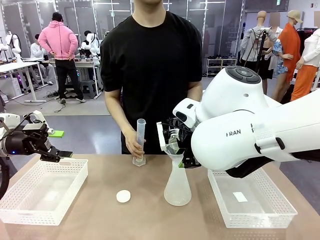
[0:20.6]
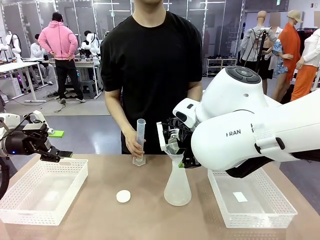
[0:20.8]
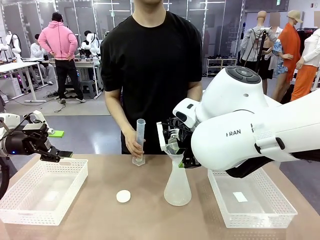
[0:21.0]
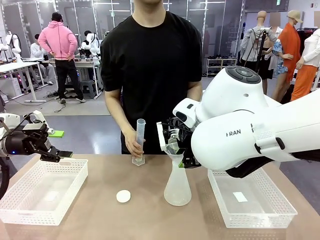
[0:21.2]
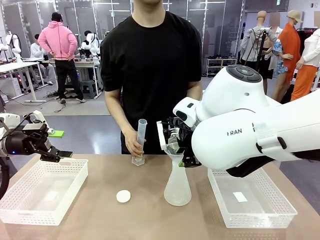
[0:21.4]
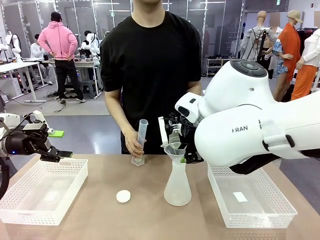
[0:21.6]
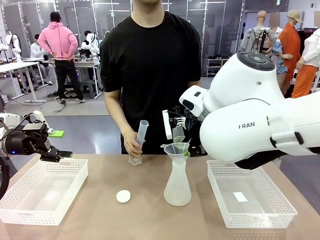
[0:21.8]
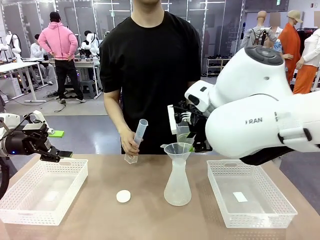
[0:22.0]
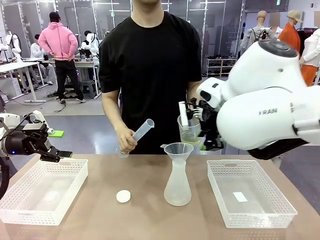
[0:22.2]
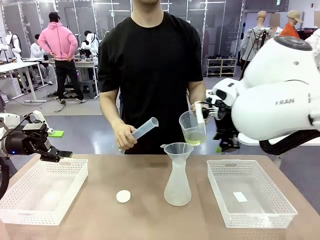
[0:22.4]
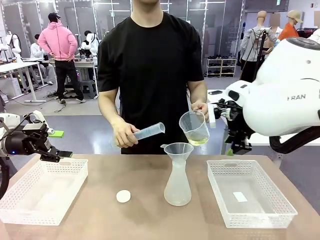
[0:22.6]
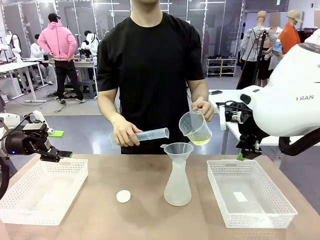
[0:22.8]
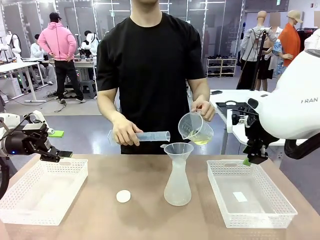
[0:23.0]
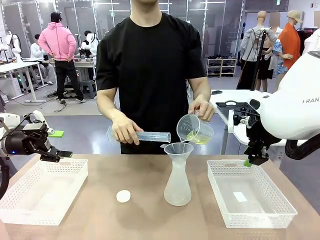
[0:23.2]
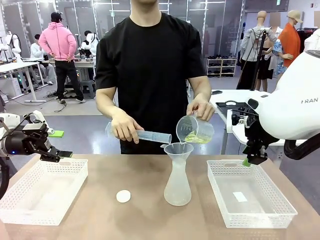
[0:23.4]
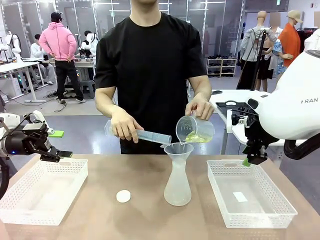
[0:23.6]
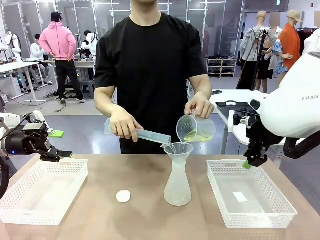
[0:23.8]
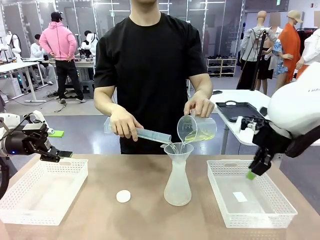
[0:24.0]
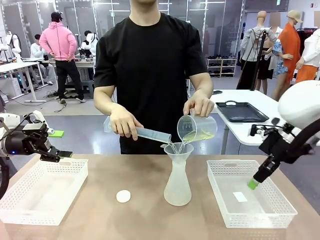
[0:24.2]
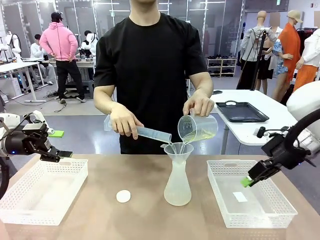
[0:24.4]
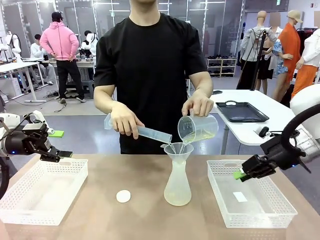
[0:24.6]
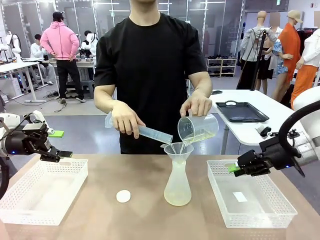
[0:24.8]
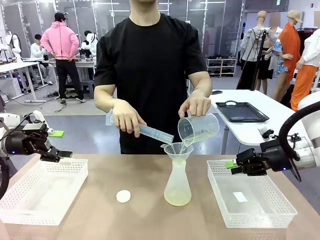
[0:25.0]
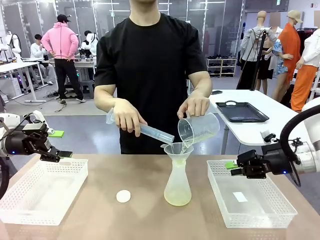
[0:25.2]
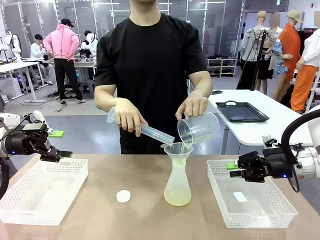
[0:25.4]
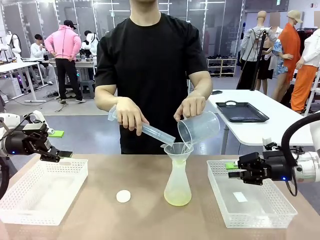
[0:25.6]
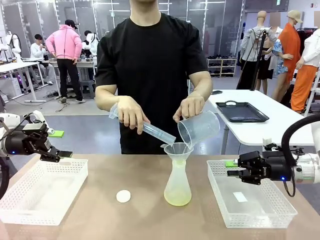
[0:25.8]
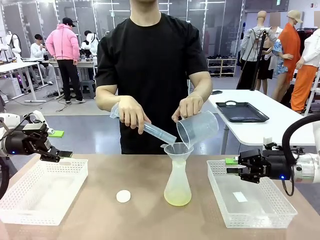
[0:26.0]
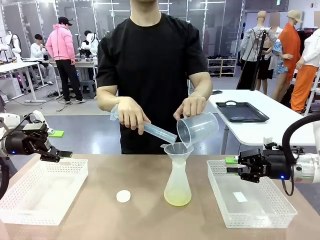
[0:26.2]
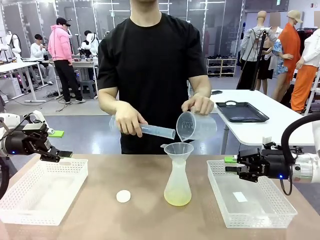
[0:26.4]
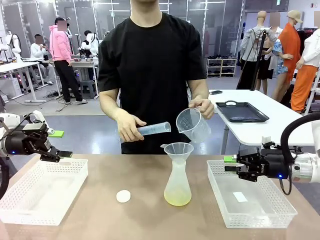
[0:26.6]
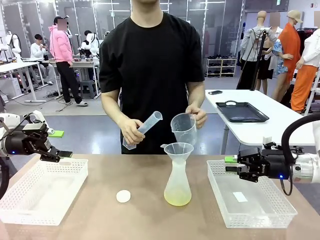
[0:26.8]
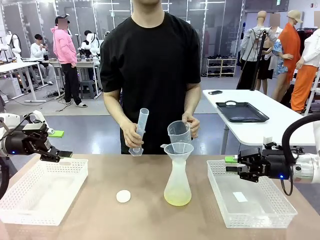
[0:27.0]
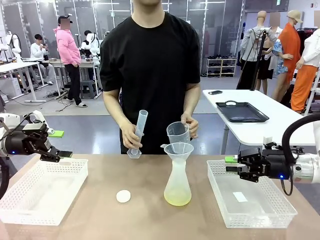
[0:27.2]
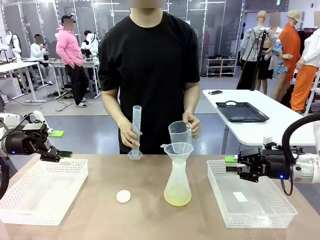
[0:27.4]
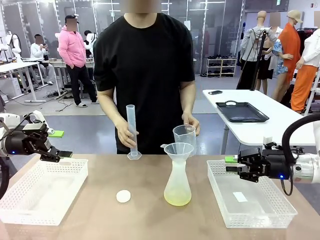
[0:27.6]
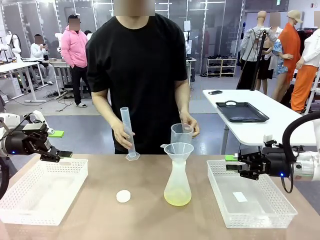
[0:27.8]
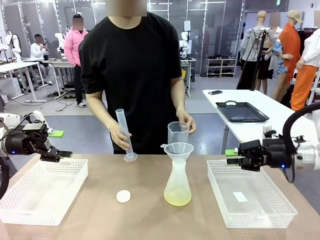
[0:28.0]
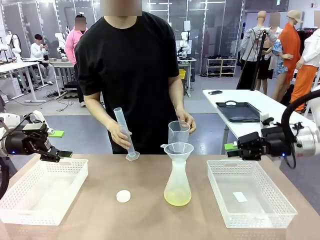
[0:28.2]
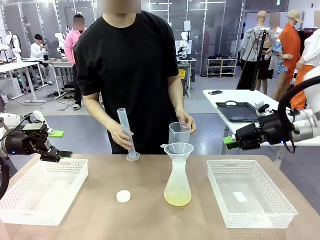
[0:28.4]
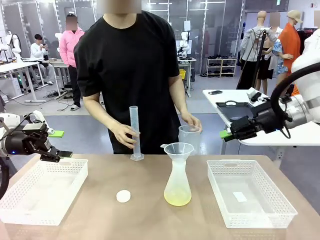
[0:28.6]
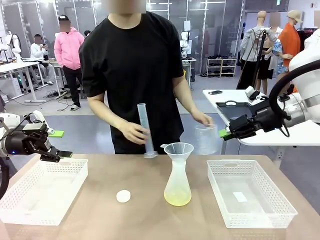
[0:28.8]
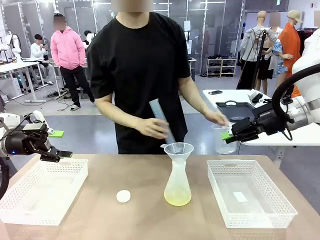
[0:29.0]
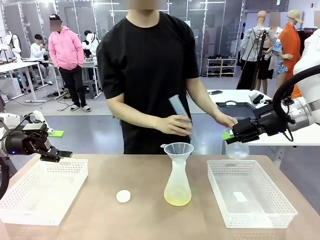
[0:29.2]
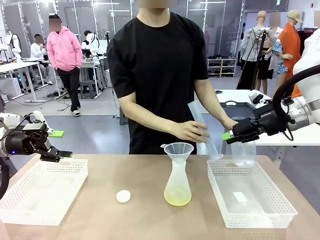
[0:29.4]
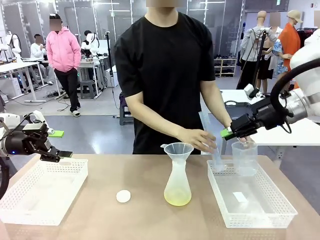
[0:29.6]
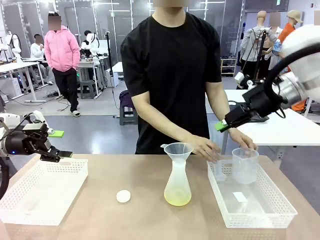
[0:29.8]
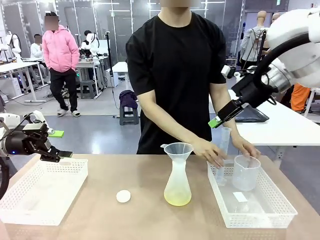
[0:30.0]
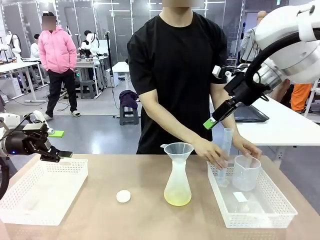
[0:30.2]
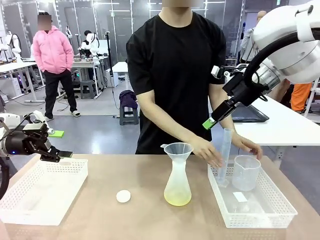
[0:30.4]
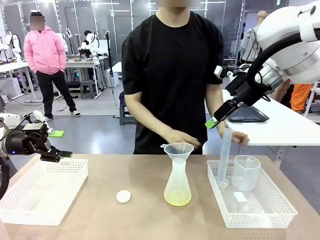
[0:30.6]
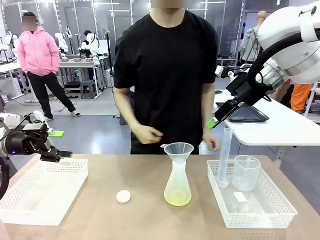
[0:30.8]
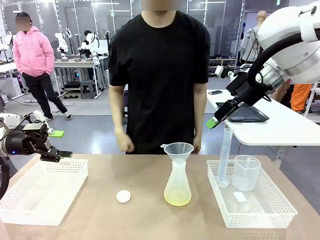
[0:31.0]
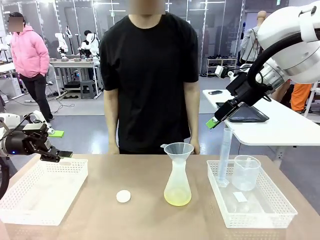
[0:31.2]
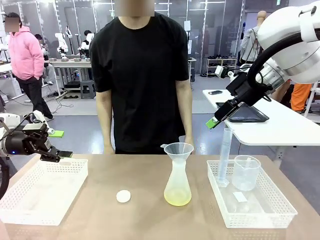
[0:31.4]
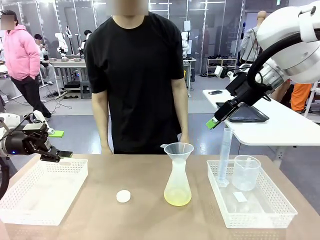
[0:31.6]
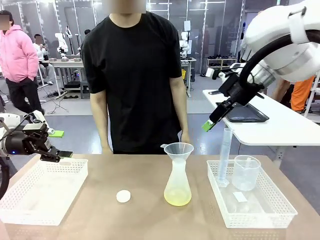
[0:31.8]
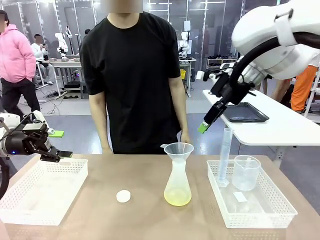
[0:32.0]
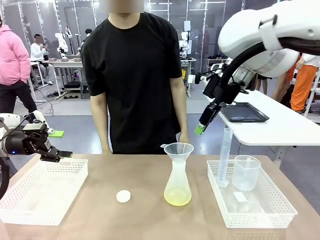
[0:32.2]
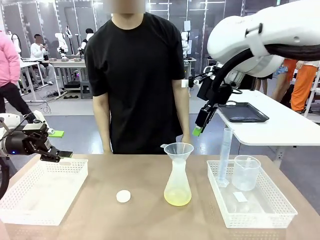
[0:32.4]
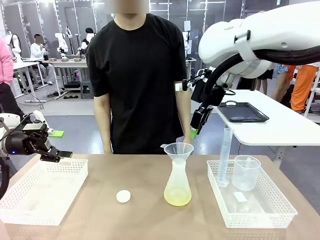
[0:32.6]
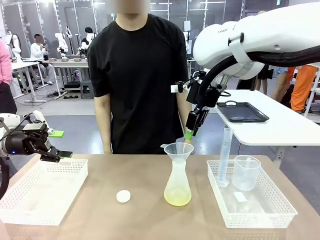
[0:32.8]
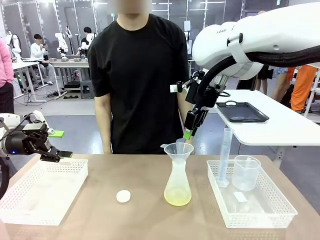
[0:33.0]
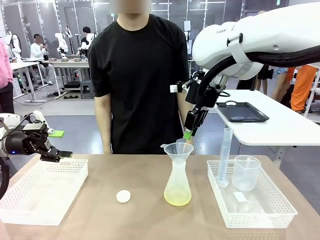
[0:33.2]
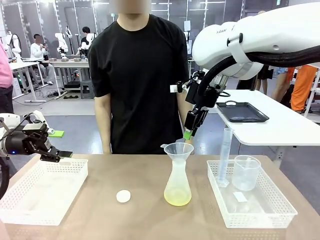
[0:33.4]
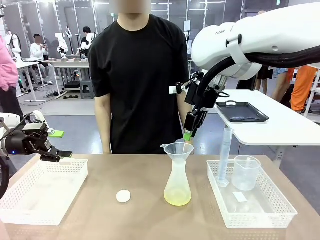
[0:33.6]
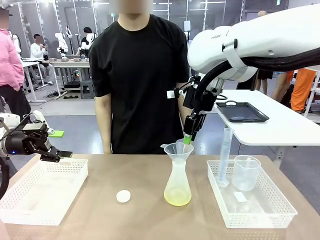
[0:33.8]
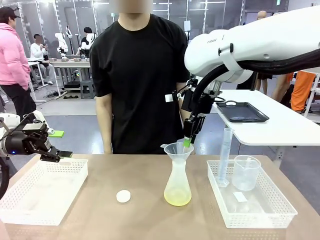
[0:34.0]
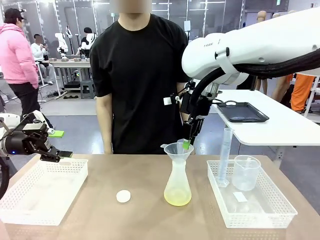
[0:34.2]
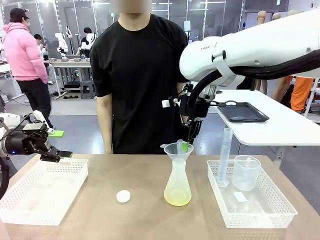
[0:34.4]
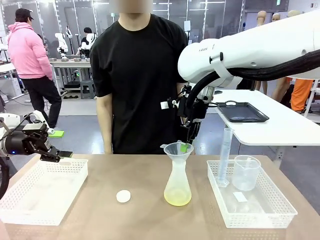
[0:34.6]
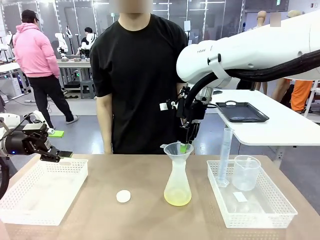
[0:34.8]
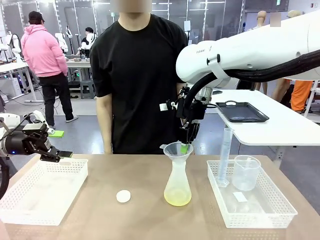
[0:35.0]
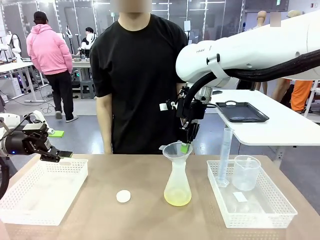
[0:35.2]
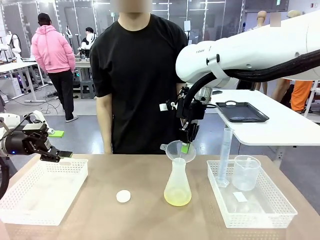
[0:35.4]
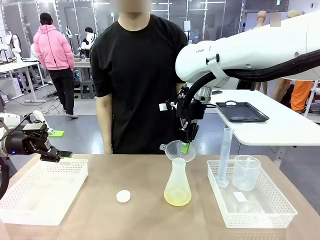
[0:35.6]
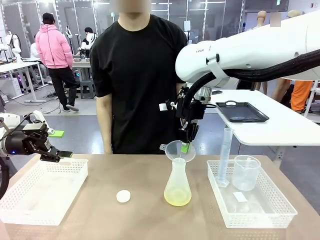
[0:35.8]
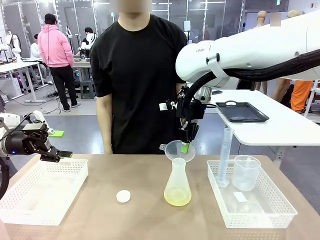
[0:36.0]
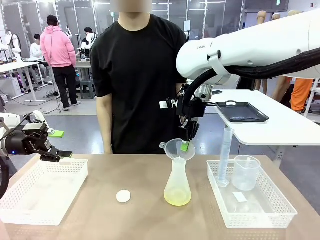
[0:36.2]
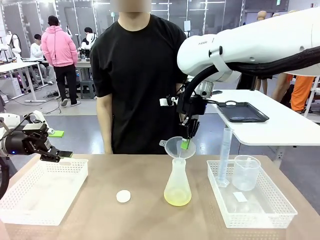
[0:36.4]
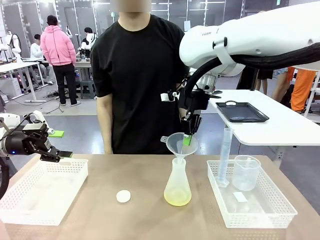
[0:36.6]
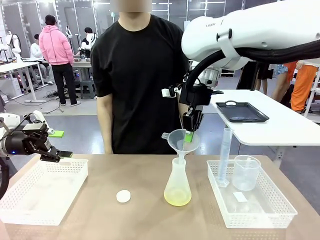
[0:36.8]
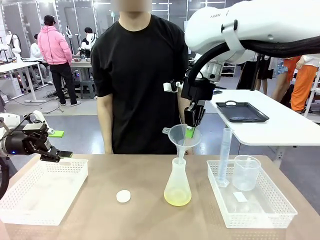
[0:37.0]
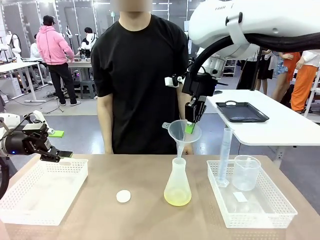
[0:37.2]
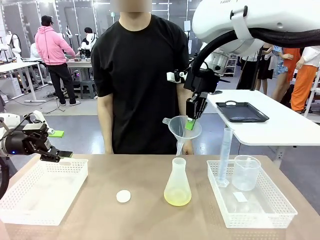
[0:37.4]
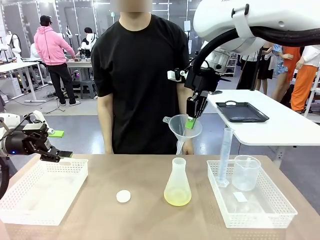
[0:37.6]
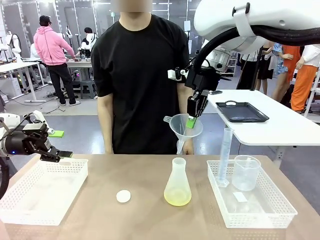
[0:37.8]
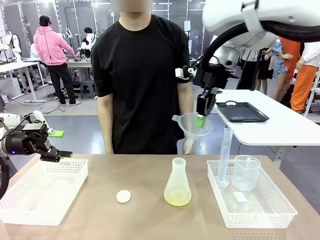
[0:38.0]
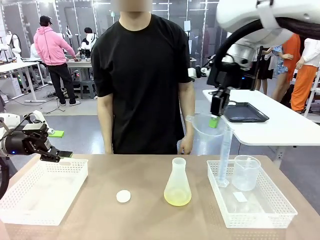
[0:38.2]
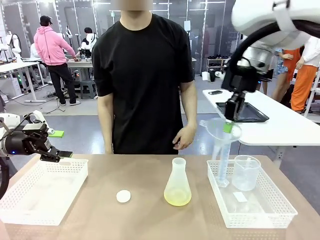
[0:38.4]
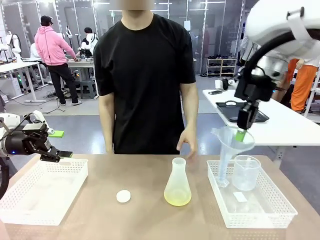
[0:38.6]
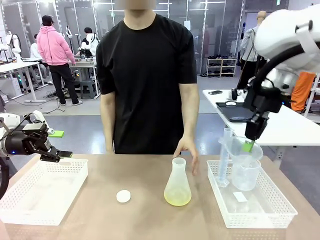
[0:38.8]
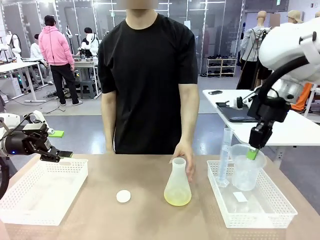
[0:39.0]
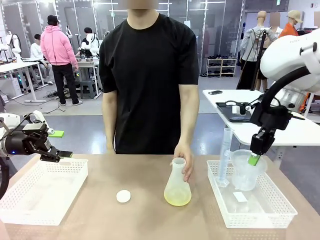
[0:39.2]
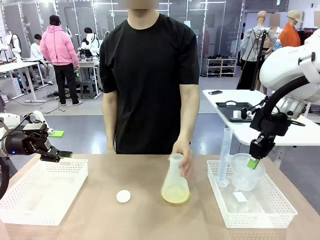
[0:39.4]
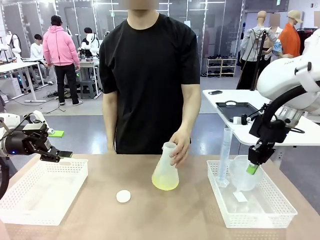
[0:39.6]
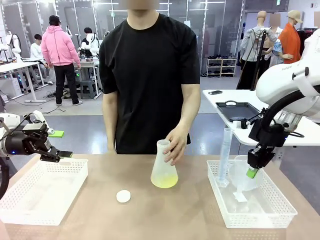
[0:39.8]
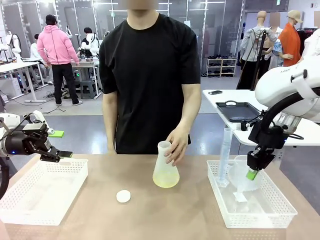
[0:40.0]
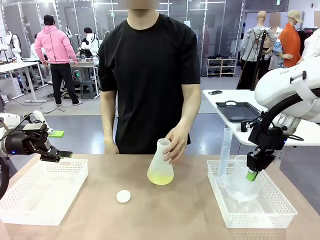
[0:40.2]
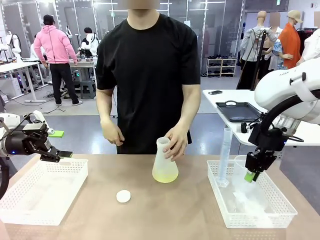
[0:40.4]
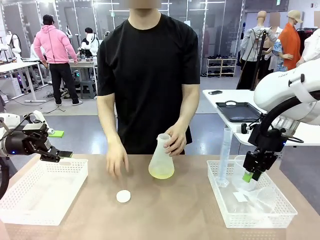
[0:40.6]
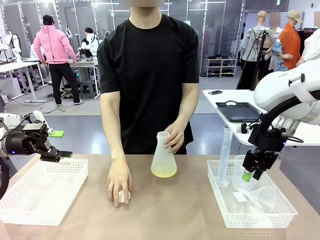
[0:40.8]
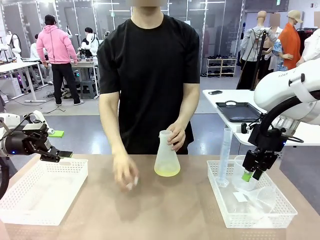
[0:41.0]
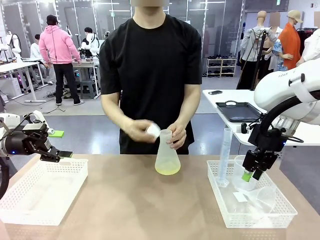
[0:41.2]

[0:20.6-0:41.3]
Task: Prepare the solutions needed for the experiment.
Robot: Once the solution is in the Big flask , pick up the Plastic Funnel and place it back into the right Organizing basket.
Person: Place the beaker and the cylinder into the organizing basket on the left side. Pick up the flask, gently shake it 2–3 times, place it in the middle of the robot table, and close the lid.
